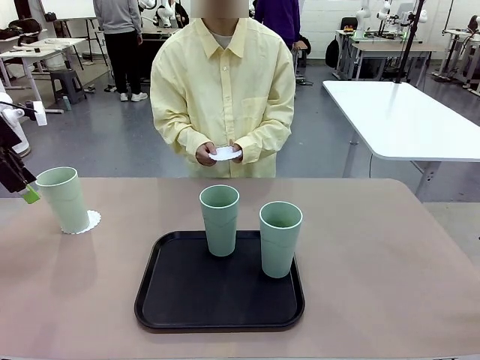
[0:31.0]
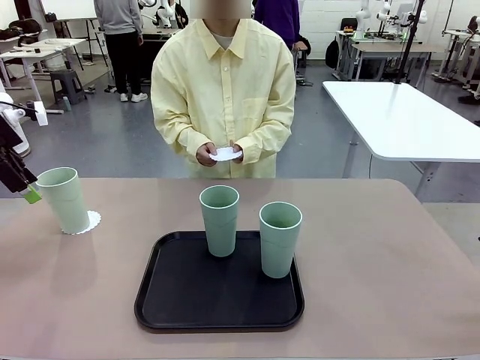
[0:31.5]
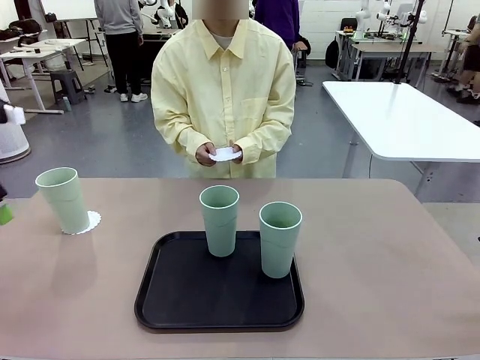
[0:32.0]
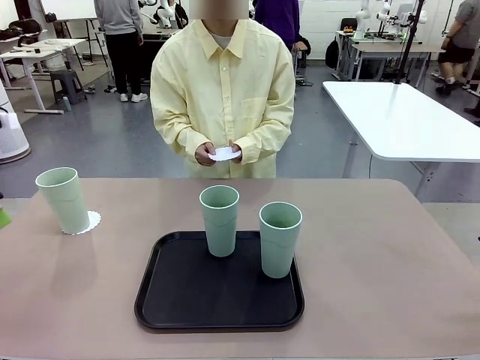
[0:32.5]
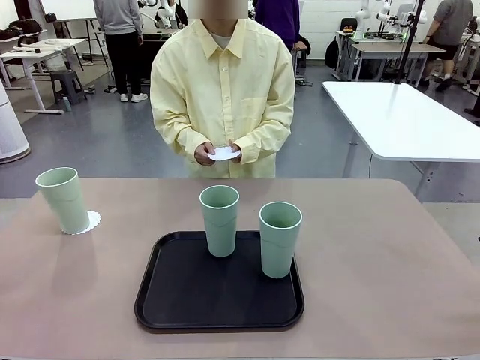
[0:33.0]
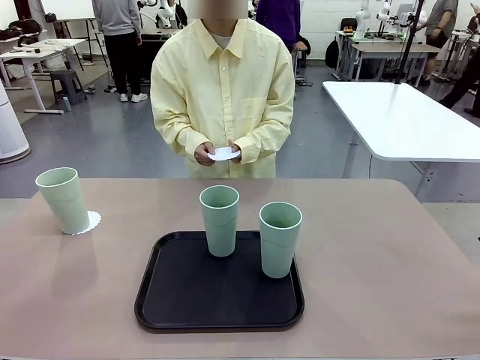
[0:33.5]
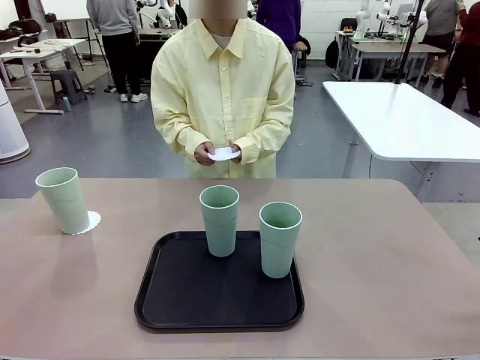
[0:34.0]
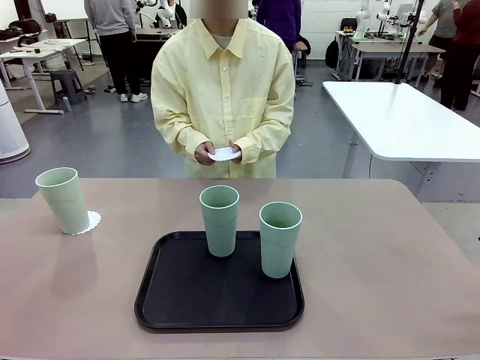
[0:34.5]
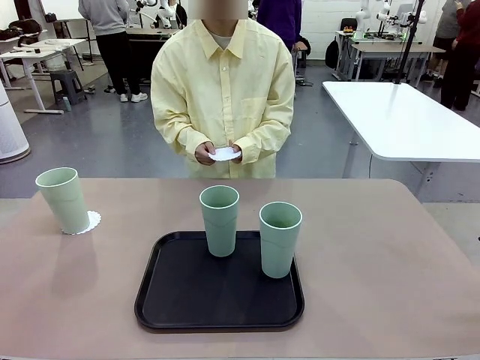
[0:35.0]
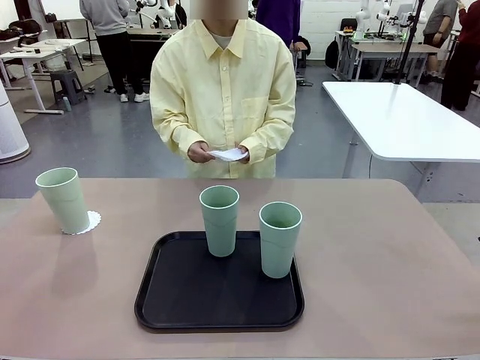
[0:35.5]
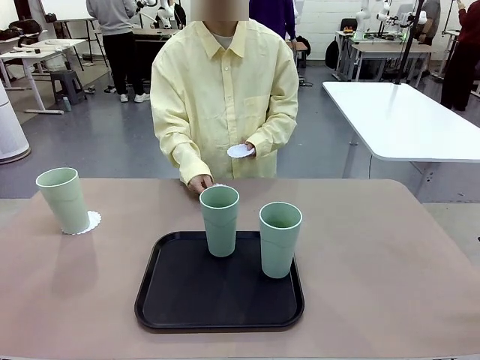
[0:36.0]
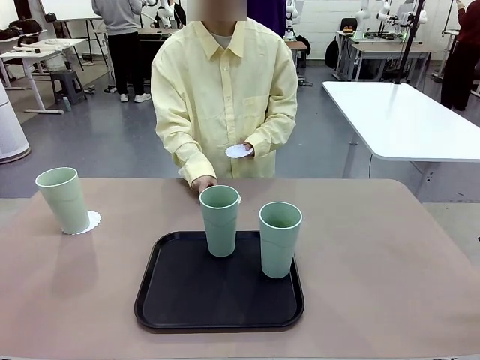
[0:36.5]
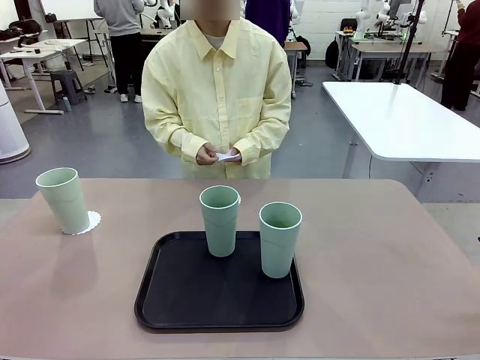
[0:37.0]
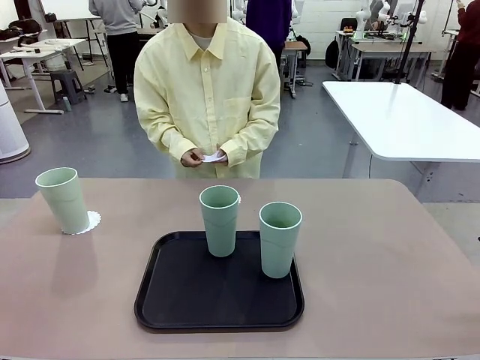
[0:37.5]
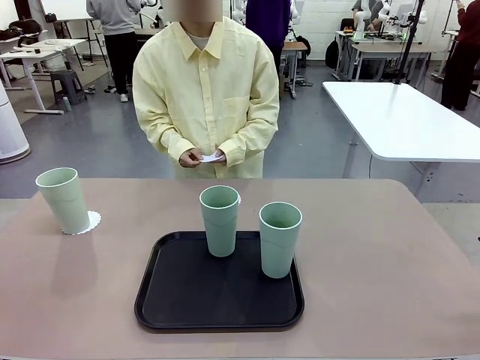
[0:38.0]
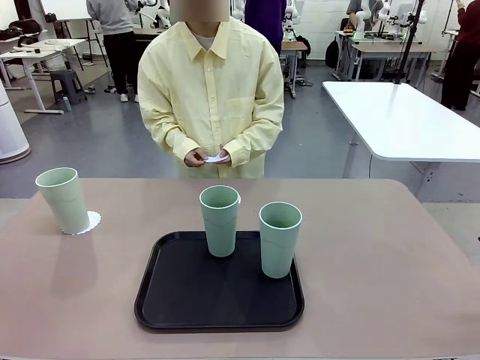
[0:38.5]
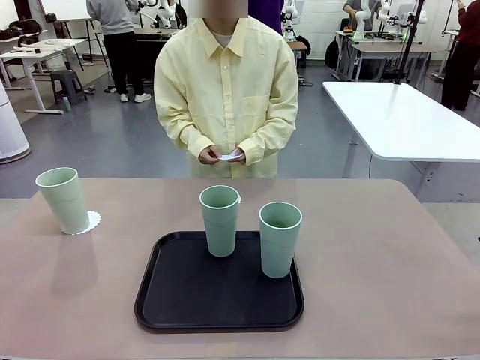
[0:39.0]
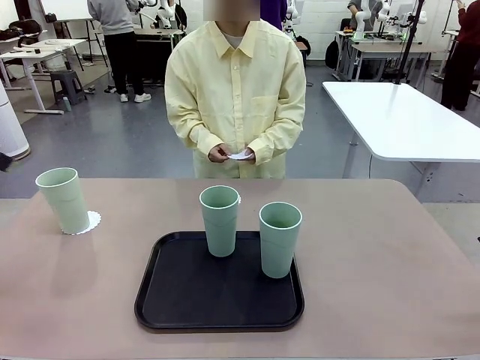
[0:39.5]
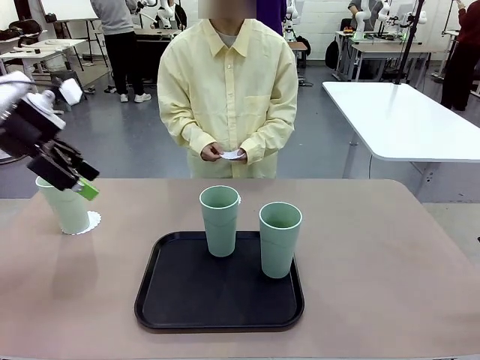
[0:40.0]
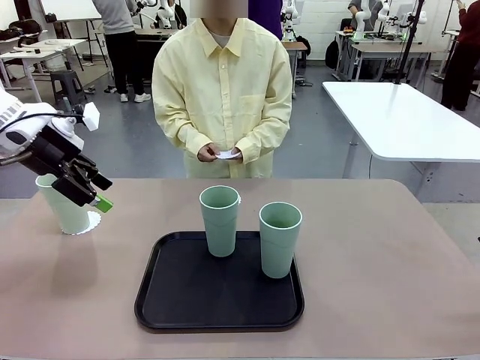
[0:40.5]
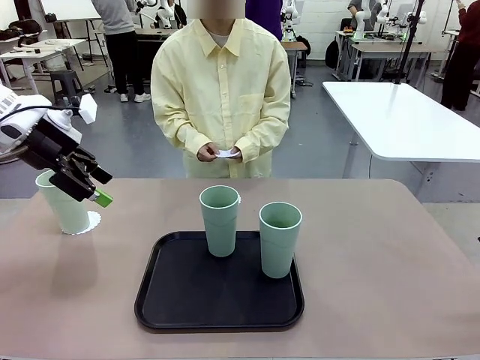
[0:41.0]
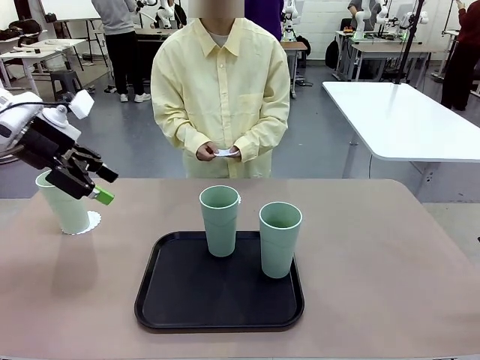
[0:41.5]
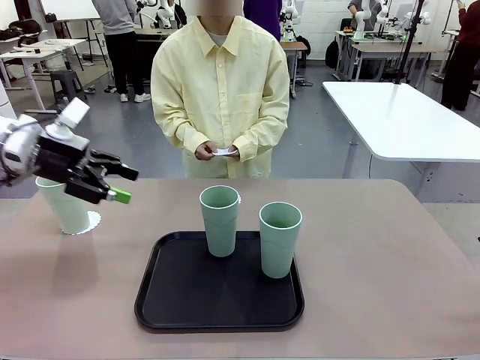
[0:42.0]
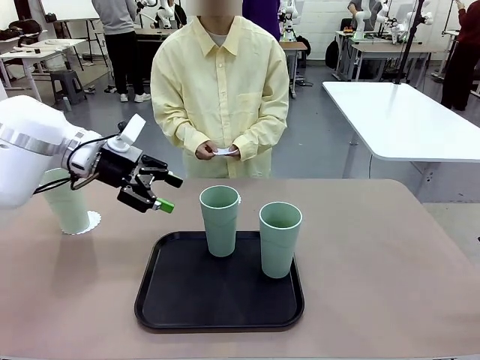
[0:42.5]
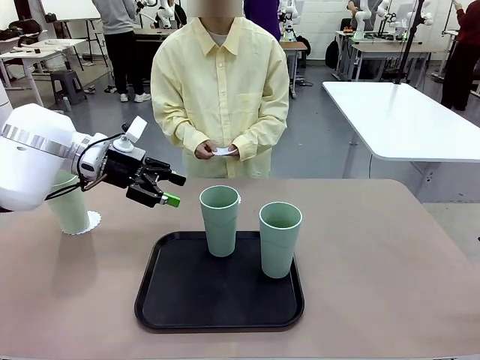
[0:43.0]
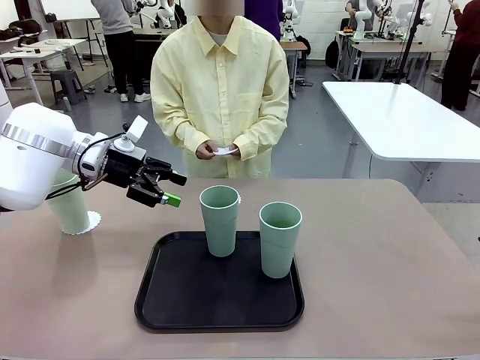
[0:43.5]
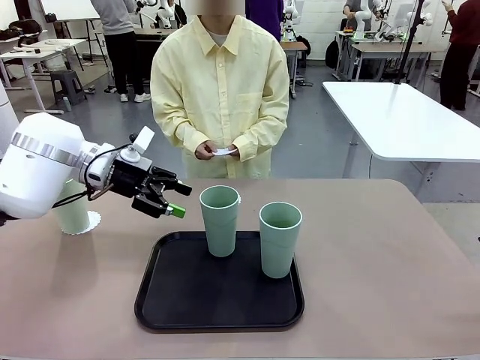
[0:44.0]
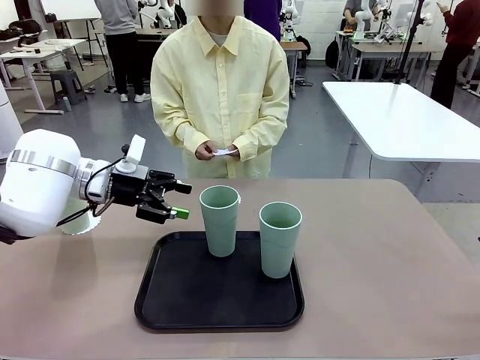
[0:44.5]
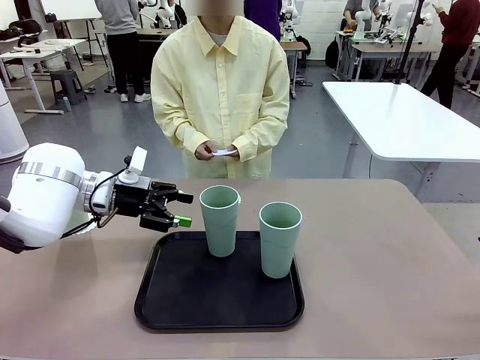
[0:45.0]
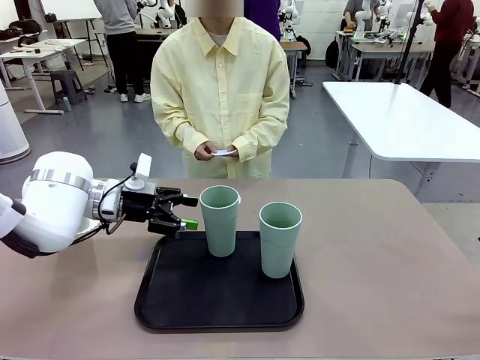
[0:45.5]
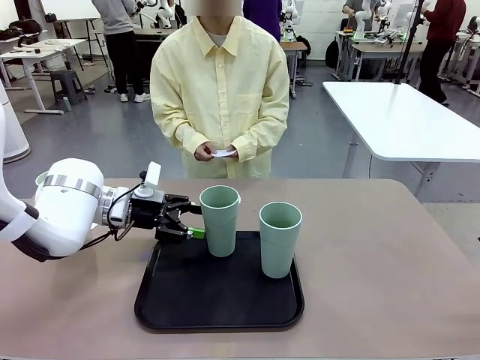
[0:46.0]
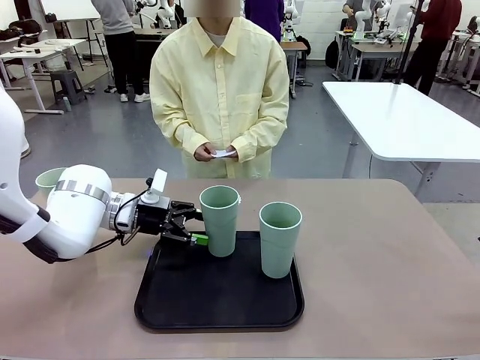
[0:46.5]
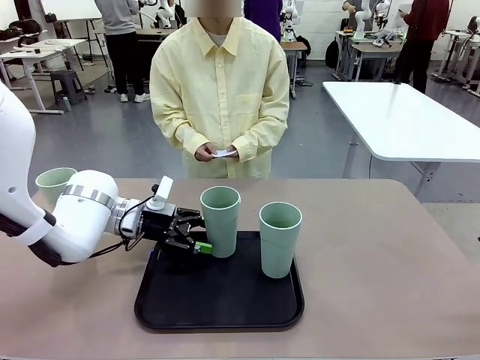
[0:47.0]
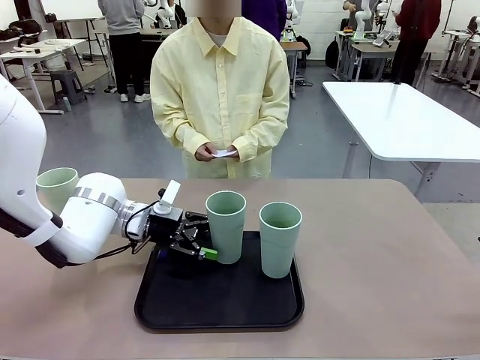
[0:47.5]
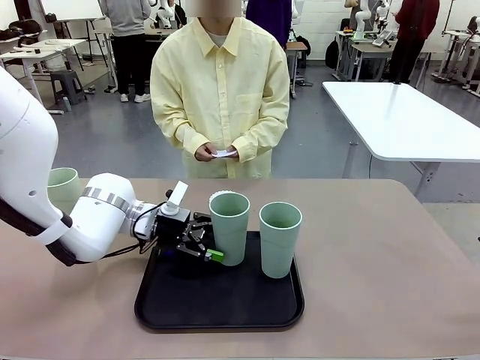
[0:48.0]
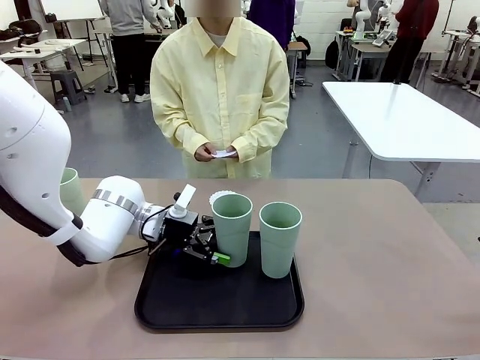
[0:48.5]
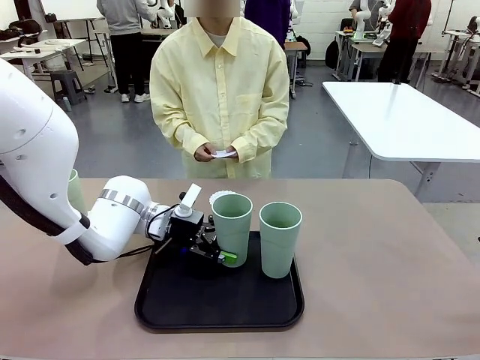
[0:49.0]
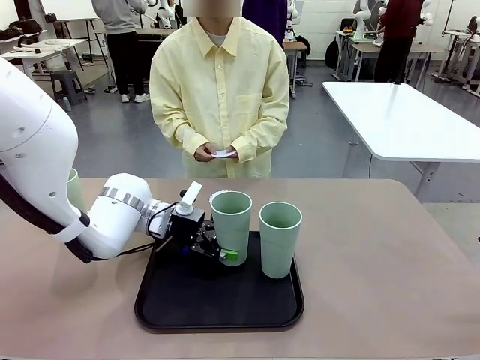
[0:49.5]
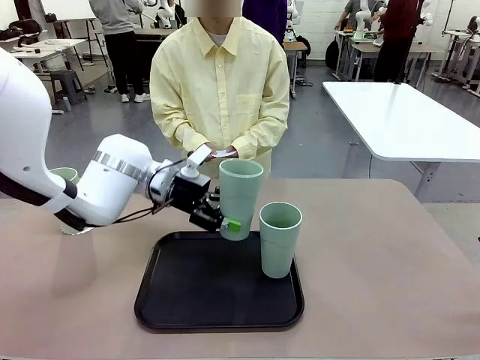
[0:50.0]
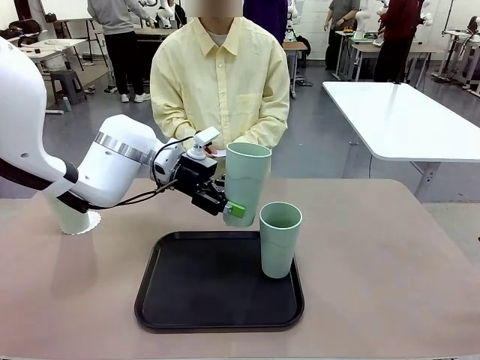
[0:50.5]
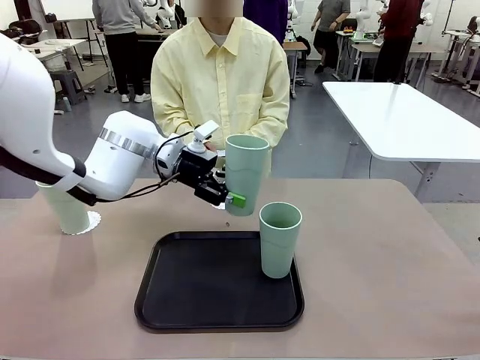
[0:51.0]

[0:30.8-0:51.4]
Task: Place coasters on the table and set cups on them.
Robot: Take one Reusable plastic cup from the Flat Tray and place it on a coaster set by the human.
